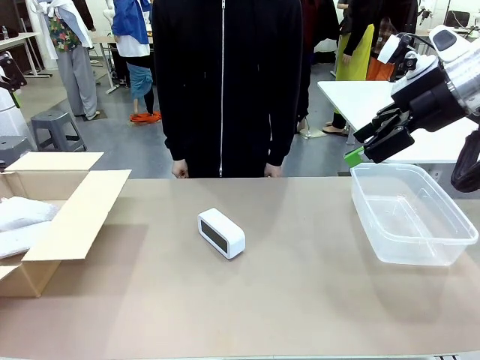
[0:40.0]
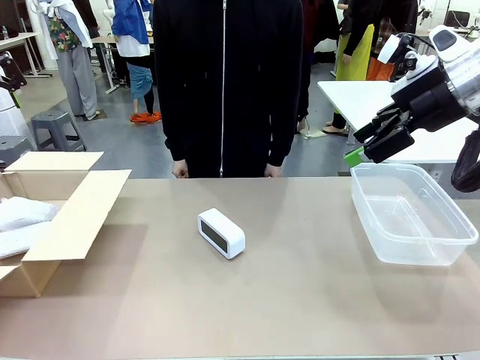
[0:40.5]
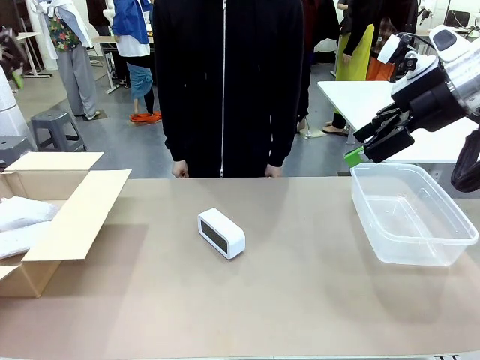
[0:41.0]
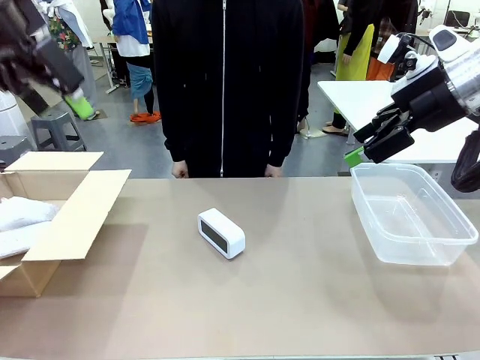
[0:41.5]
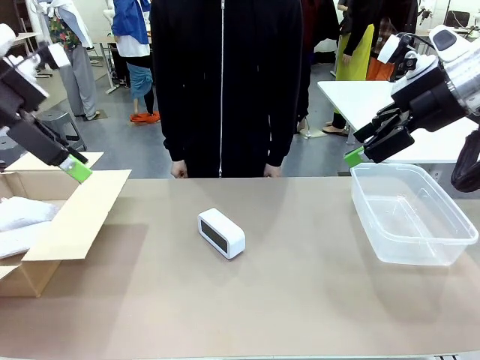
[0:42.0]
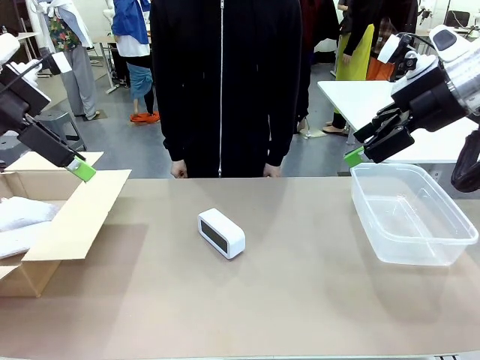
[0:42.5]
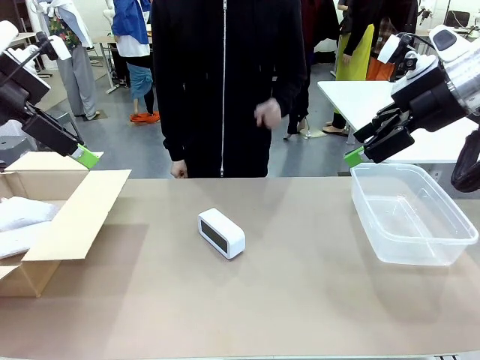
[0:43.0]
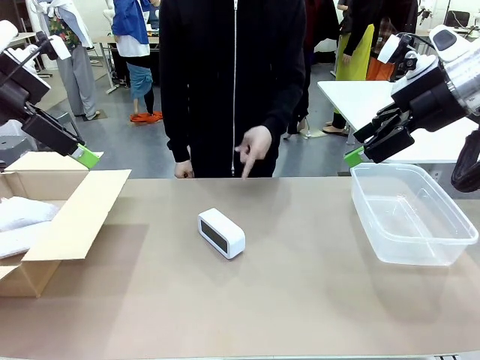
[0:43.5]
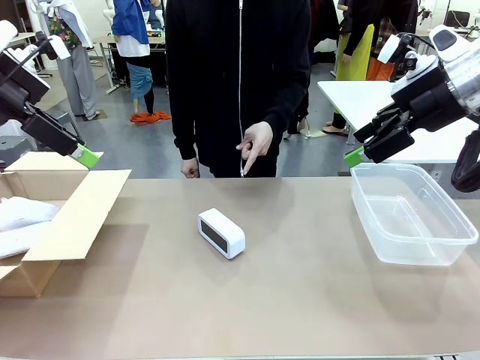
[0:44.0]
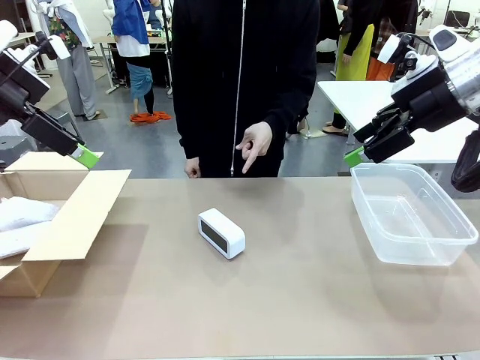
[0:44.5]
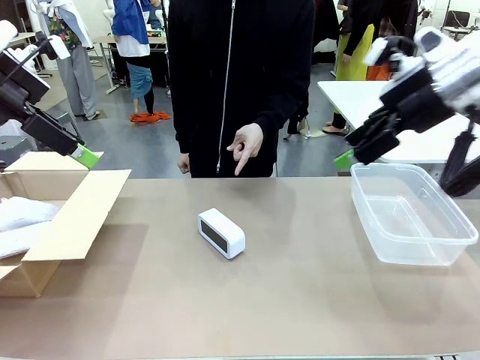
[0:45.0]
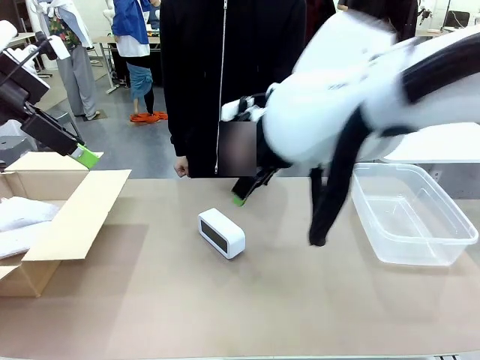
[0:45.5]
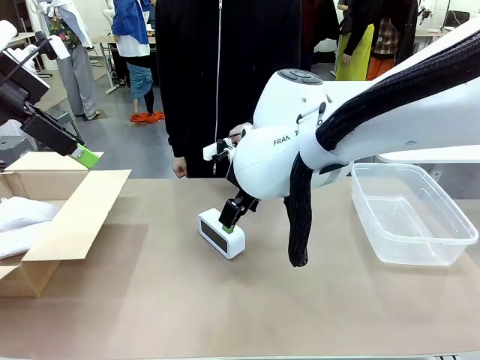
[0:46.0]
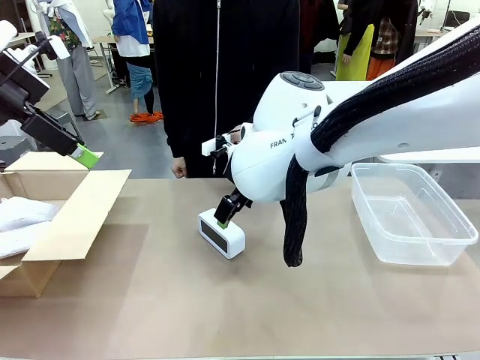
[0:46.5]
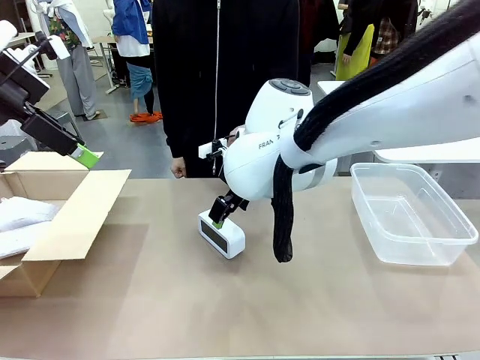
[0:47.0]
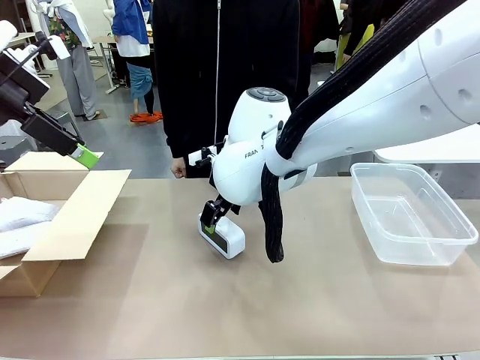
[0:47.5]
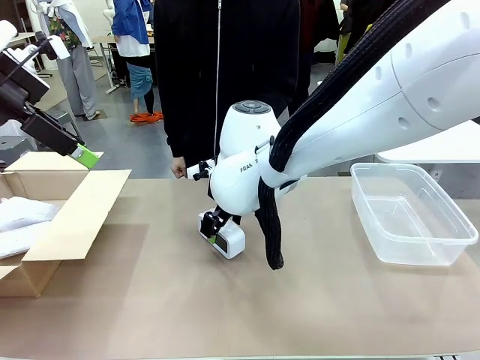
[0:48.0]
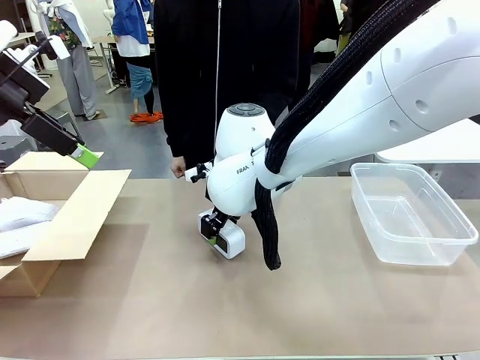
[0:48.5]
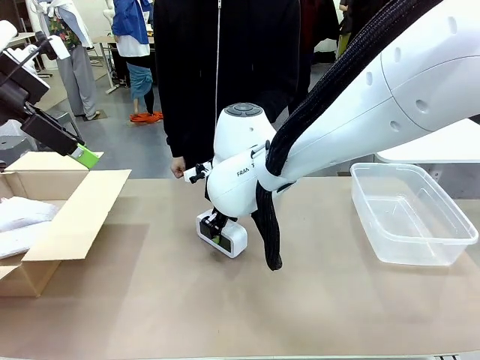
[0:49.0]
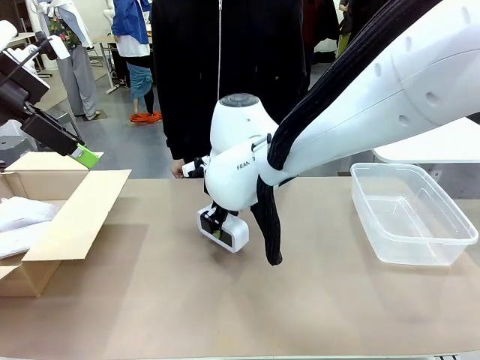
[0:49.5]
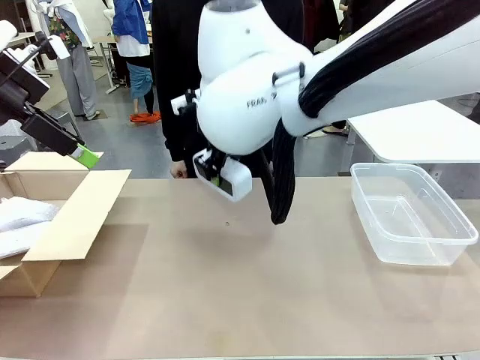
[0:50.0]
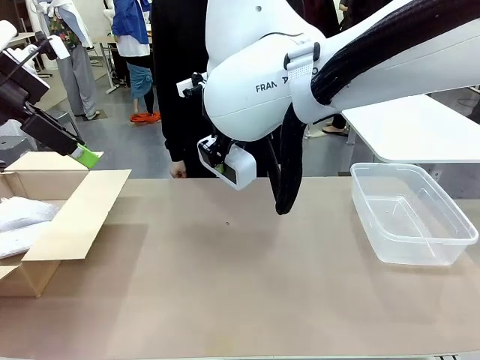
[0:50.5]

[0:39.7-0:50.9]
Task: Separate and place wrapped and unwrapped clocks.
Robot: Pick up the Digital clock indicated by the person.

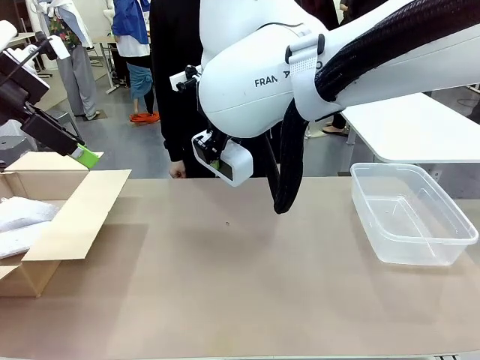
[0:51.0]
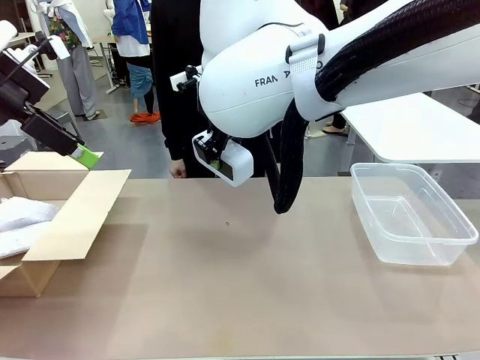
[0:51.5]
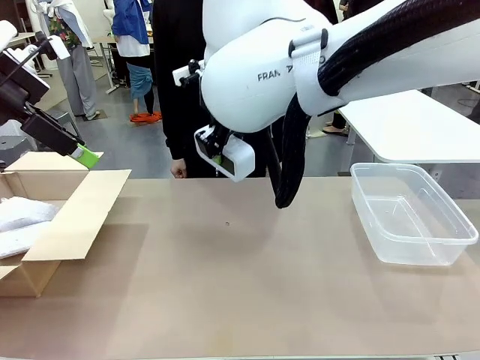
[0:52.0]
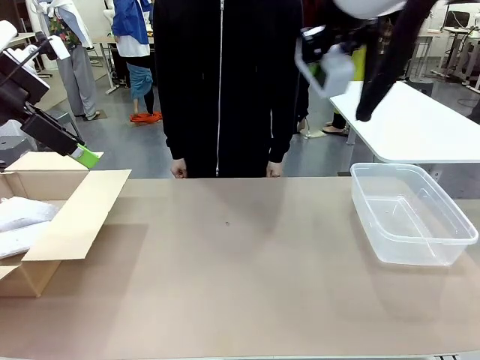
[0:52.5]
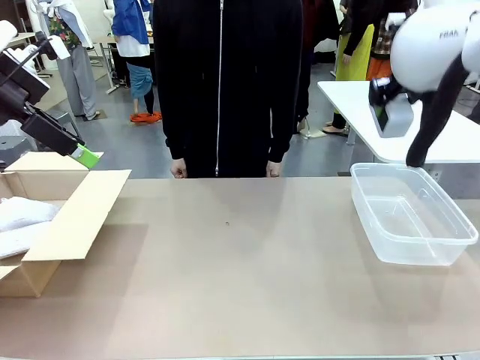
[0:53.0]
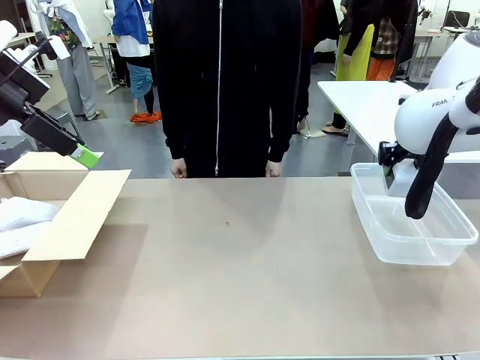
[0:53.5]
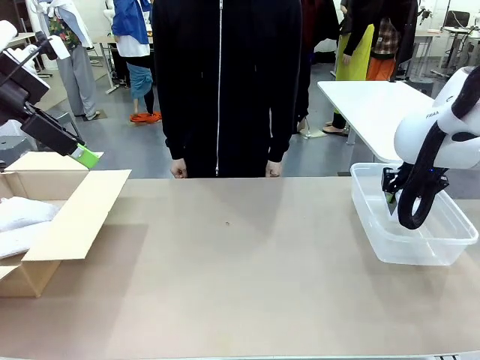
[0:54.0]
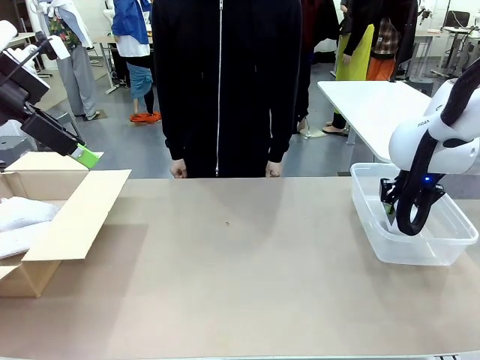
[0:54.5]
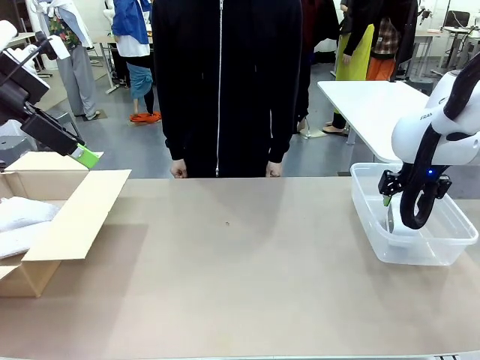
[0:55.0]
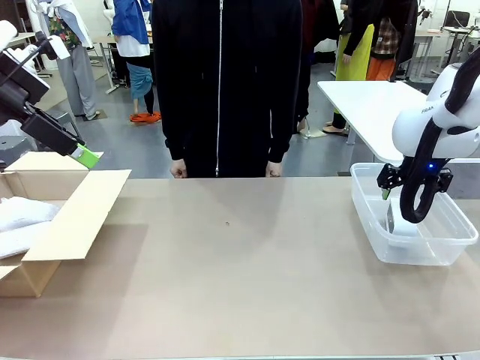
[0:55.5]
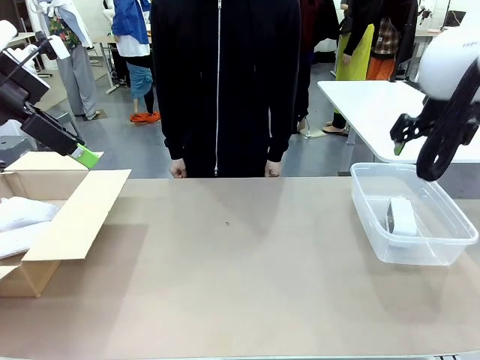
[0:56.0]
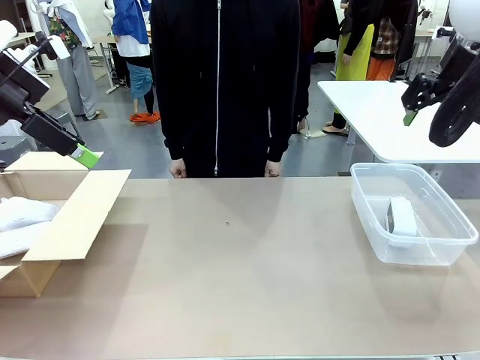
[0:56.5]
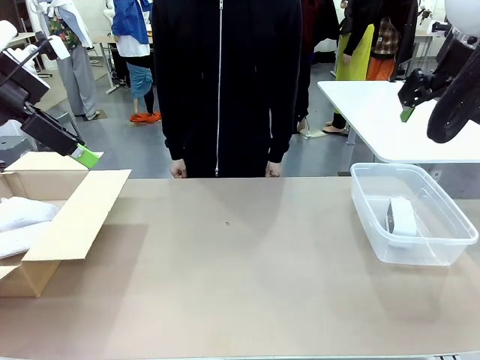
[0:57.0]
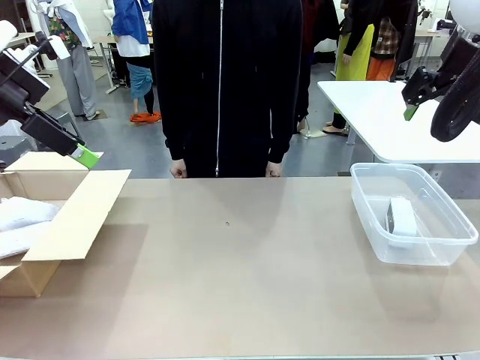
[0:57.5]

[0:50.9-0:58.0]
Robot: If the picked Digital clock is wrapped, place it in the Package Box ; if not, place it in the Organizing box.

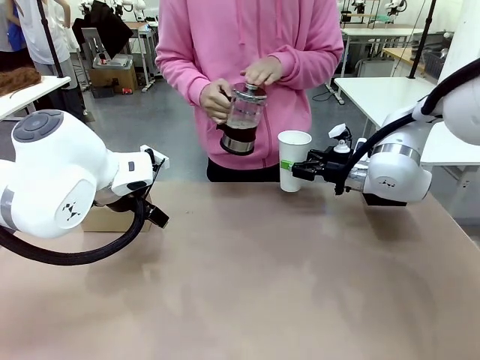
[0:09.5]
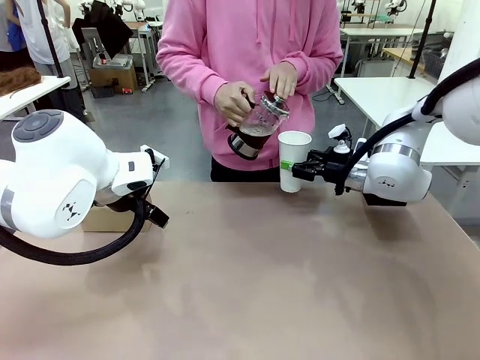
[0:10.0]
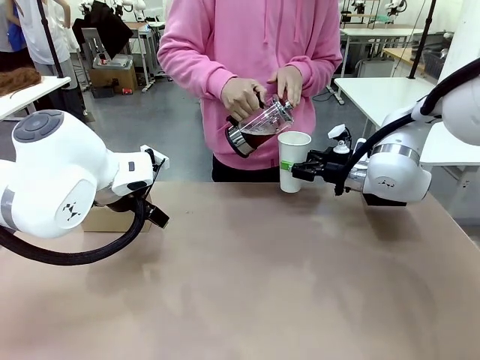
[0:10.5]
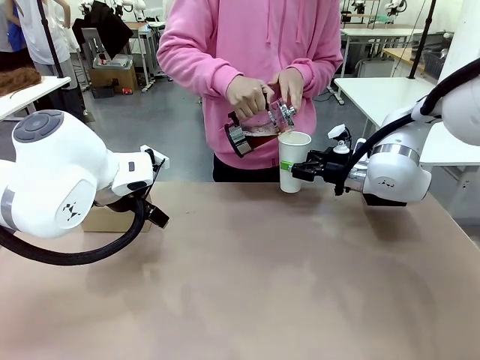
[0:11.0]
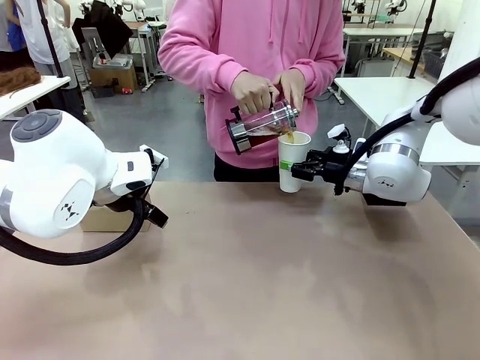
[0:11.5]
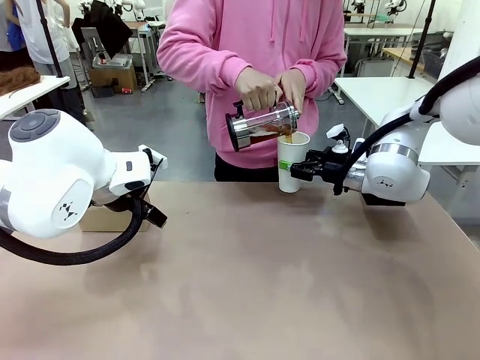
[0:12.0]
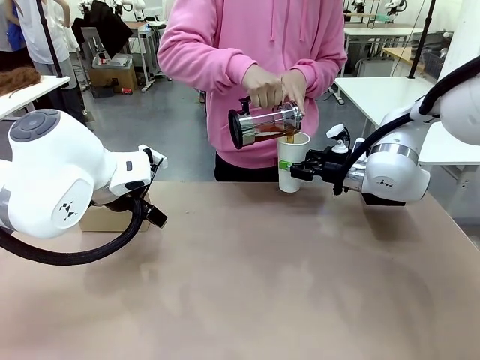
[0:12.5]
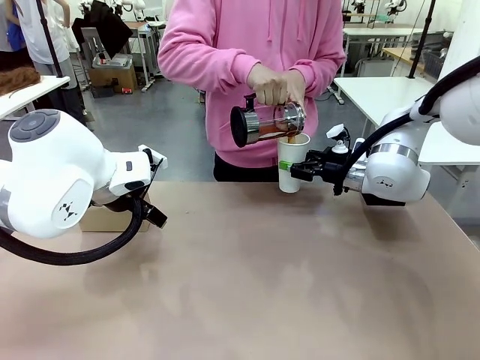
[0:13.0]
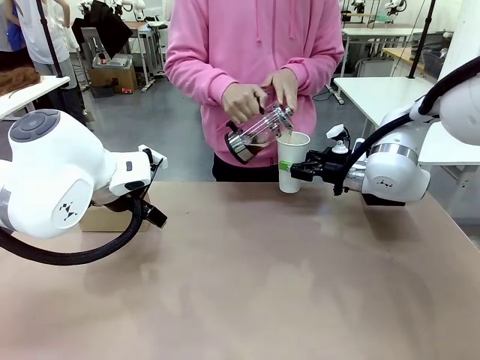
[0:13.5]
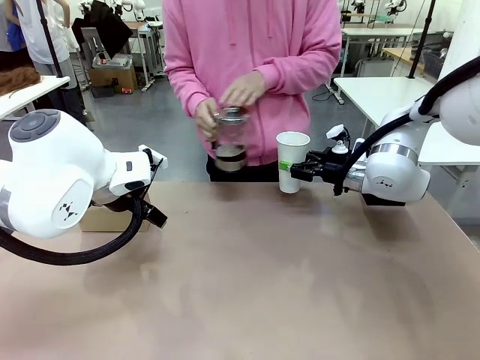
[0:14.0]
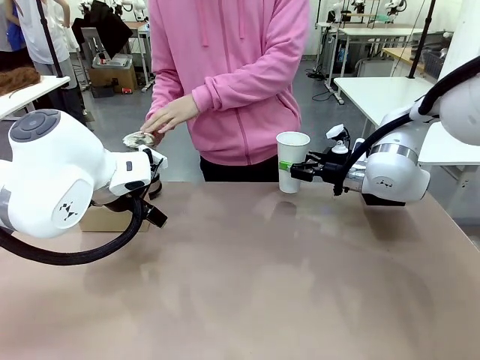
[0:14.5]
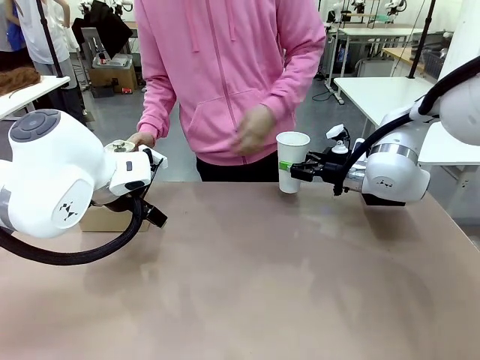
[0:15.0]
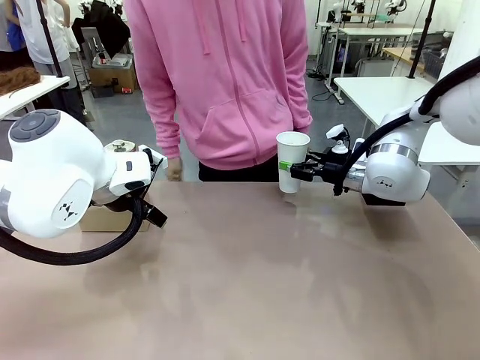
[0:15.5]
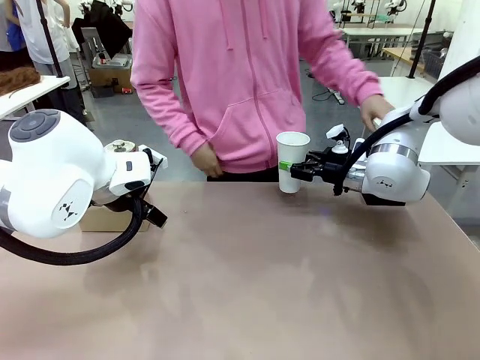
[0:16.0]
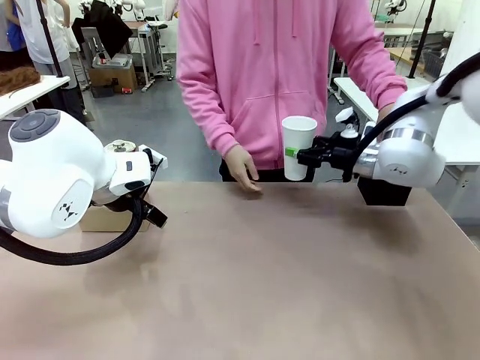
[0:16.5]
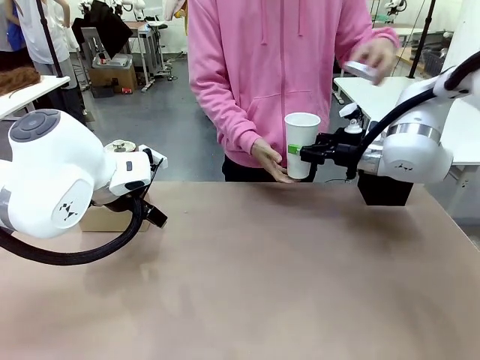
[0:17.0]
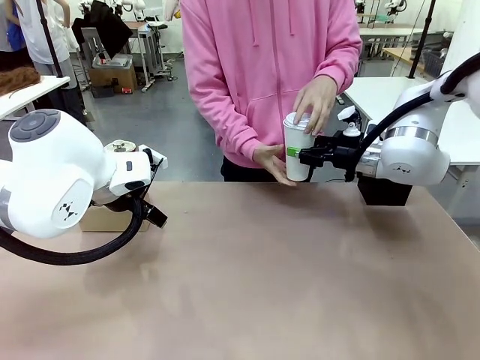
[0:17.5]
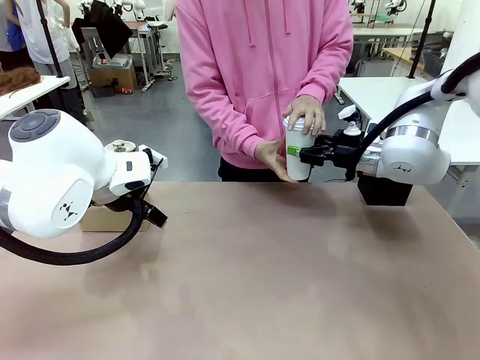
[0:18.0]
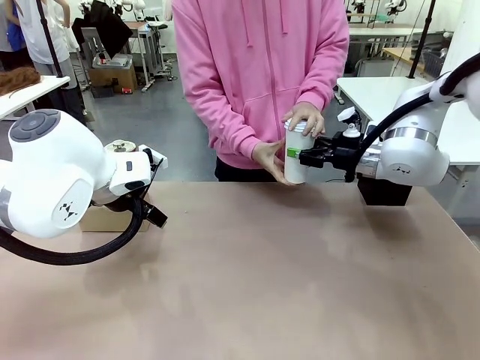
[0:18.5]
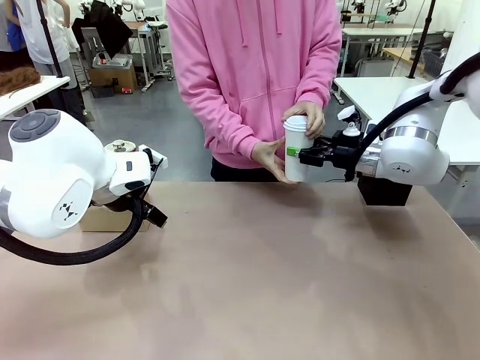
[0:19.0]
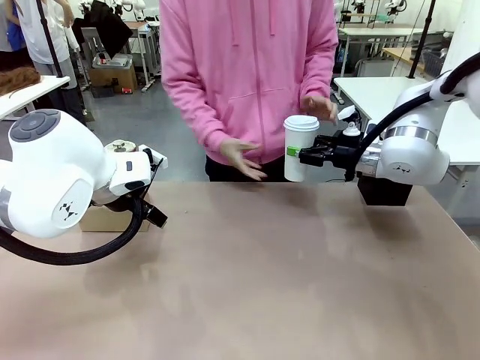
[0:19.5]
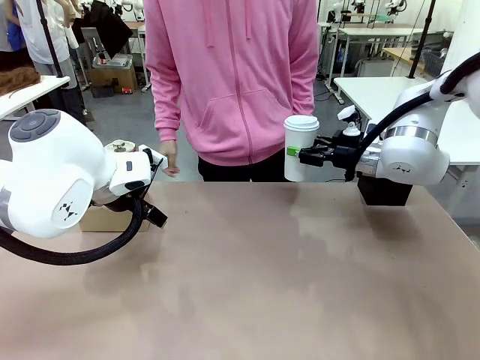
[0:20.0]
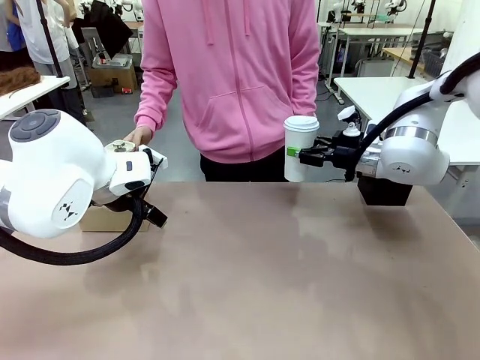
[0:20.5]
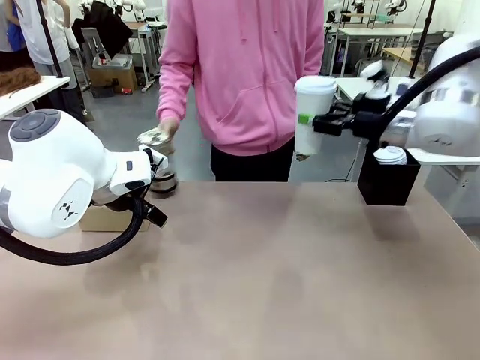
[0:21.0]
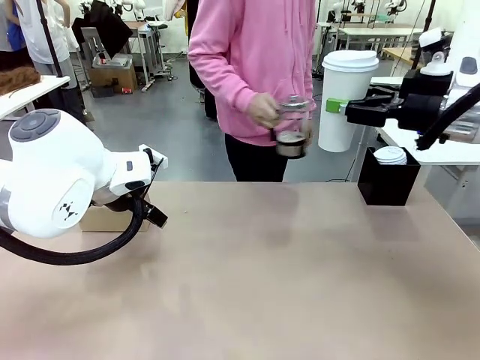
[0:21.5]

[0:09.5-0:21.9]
Task: Pour a drink into a cup and package it in a carrier.
Robot: When a person places the Paper Cup Lid on the 600 ml Paper Cup , lift the 600 ml Paper Cup.
Person: Pour the drink from the Filter Brewing into the 600 ml Paper Cup. Place a Paper Cup Lid on the 600 ml Paper Cup.
